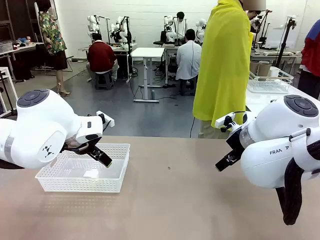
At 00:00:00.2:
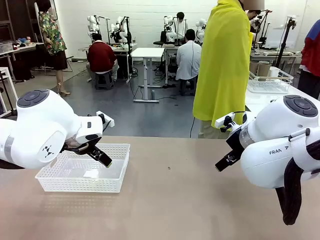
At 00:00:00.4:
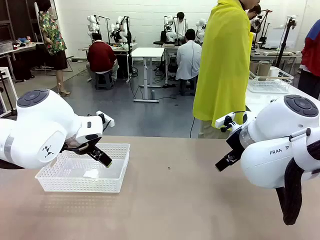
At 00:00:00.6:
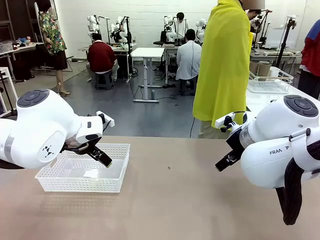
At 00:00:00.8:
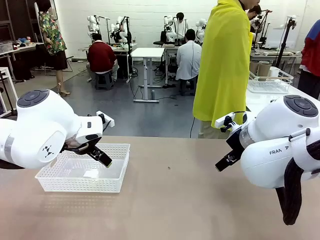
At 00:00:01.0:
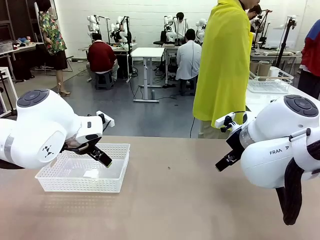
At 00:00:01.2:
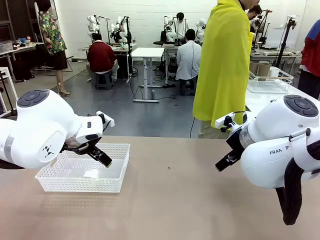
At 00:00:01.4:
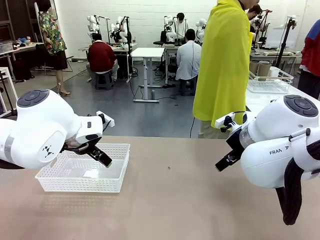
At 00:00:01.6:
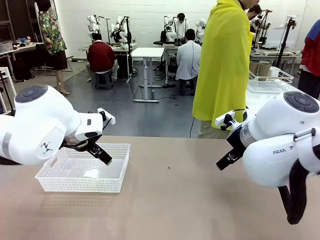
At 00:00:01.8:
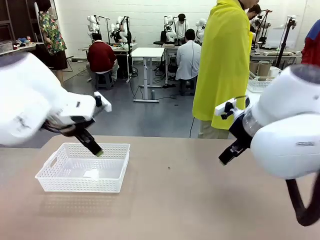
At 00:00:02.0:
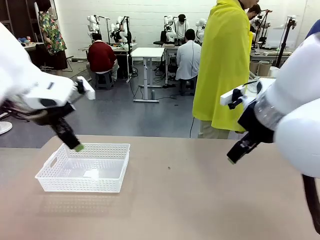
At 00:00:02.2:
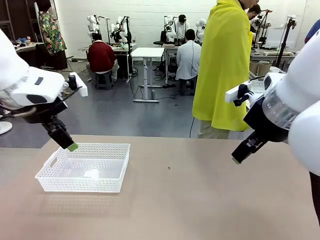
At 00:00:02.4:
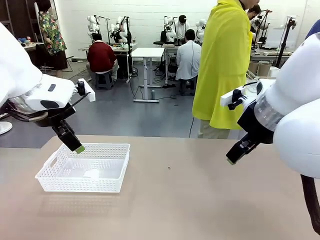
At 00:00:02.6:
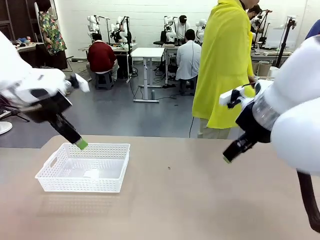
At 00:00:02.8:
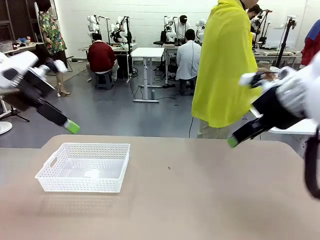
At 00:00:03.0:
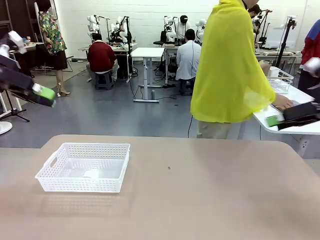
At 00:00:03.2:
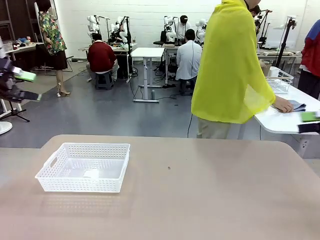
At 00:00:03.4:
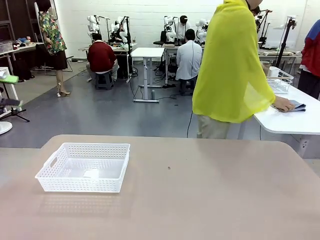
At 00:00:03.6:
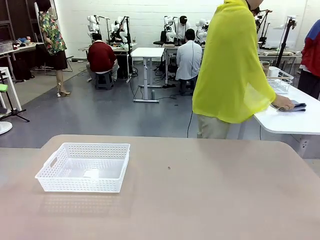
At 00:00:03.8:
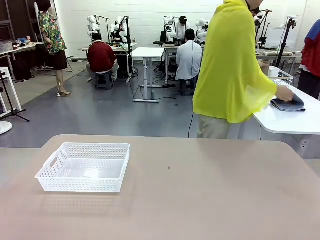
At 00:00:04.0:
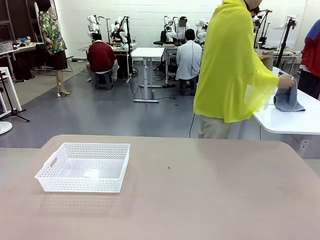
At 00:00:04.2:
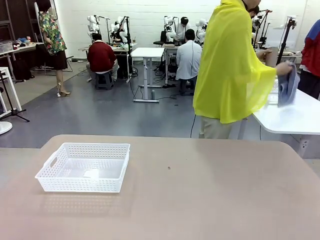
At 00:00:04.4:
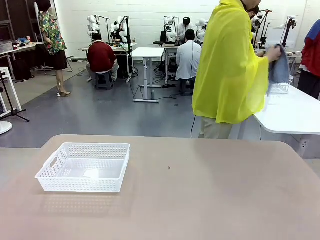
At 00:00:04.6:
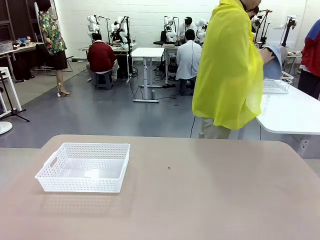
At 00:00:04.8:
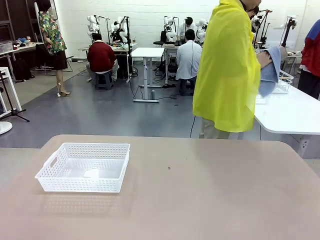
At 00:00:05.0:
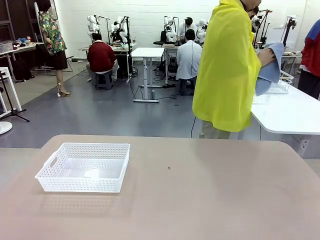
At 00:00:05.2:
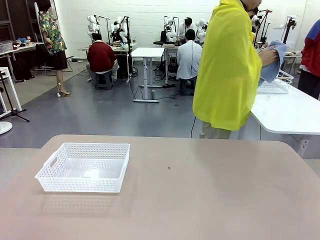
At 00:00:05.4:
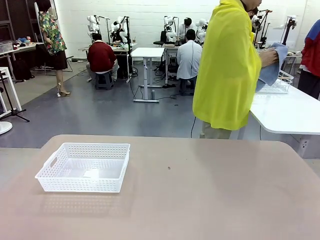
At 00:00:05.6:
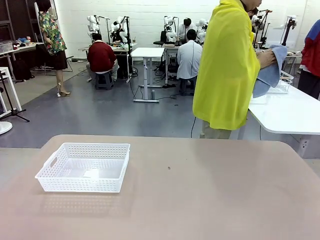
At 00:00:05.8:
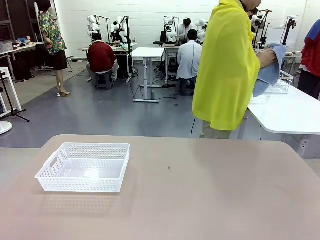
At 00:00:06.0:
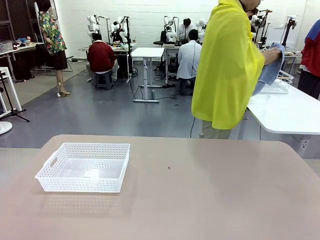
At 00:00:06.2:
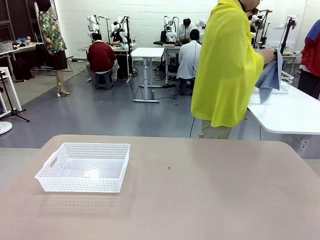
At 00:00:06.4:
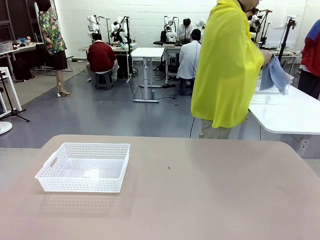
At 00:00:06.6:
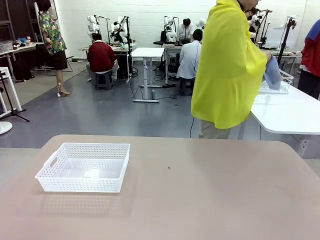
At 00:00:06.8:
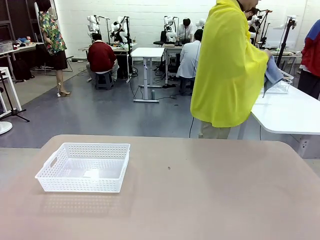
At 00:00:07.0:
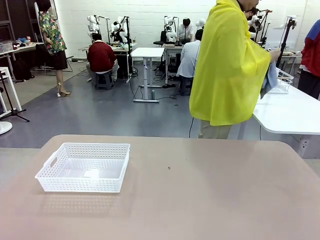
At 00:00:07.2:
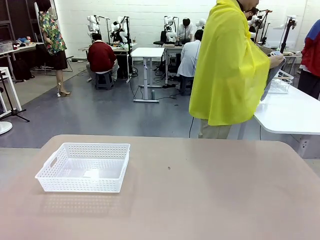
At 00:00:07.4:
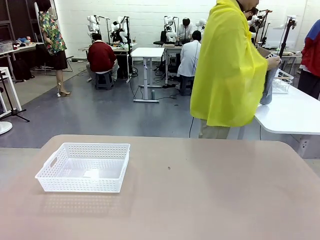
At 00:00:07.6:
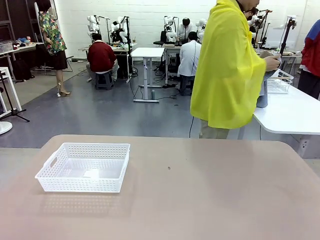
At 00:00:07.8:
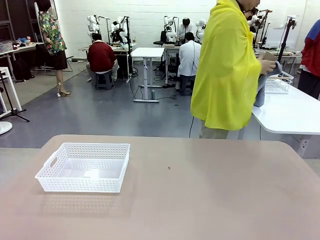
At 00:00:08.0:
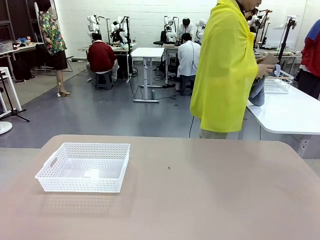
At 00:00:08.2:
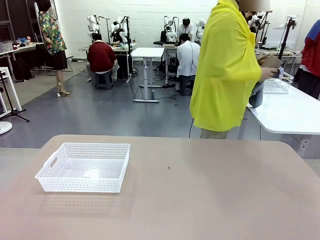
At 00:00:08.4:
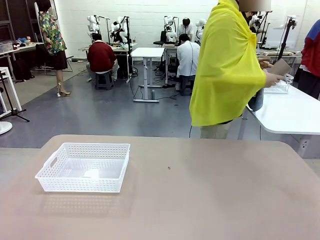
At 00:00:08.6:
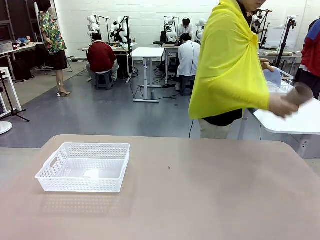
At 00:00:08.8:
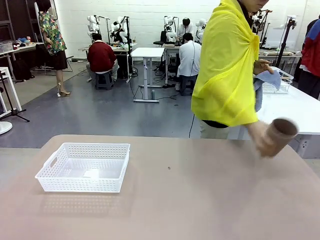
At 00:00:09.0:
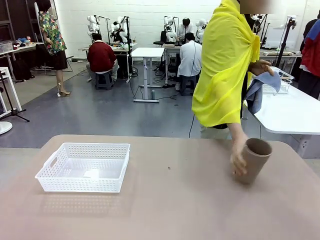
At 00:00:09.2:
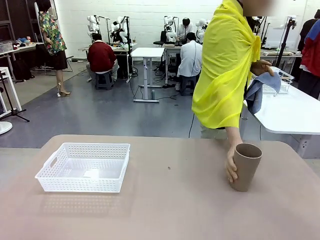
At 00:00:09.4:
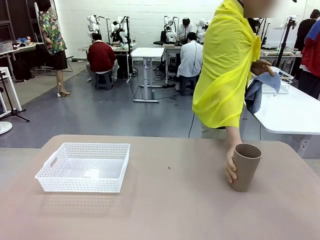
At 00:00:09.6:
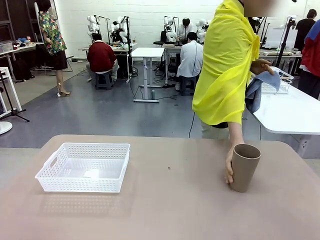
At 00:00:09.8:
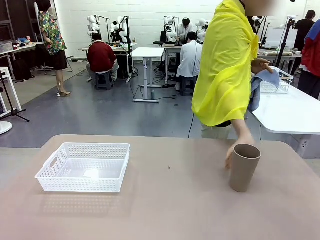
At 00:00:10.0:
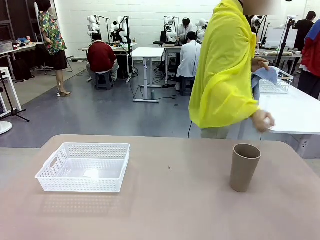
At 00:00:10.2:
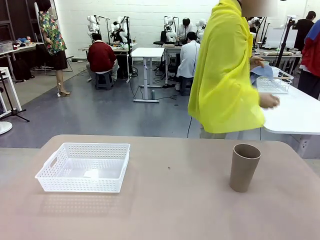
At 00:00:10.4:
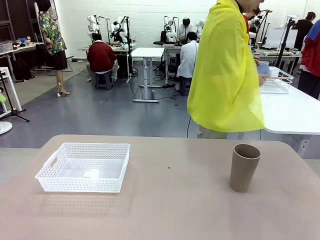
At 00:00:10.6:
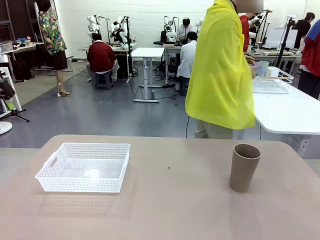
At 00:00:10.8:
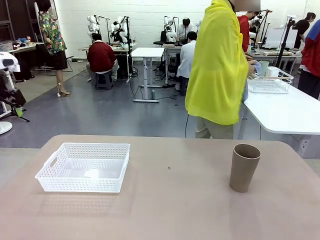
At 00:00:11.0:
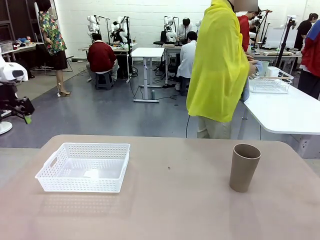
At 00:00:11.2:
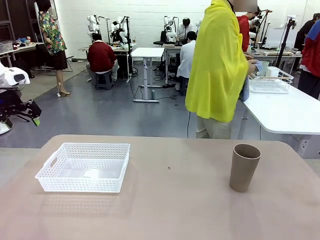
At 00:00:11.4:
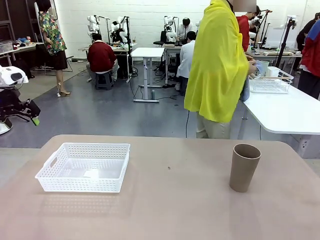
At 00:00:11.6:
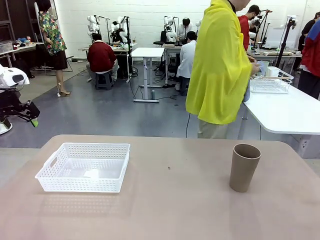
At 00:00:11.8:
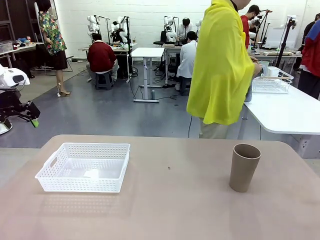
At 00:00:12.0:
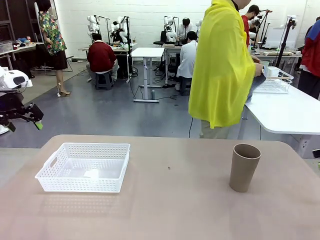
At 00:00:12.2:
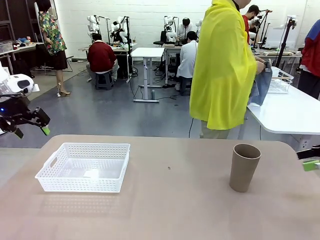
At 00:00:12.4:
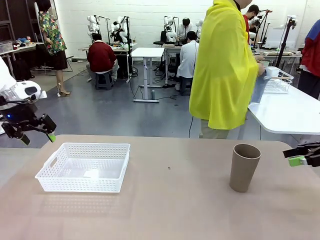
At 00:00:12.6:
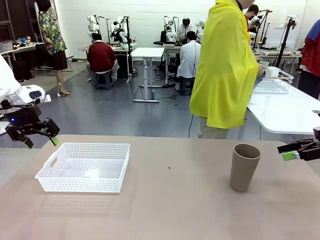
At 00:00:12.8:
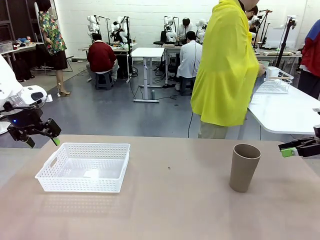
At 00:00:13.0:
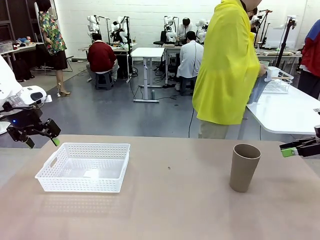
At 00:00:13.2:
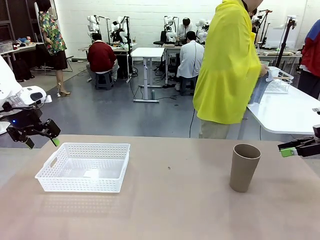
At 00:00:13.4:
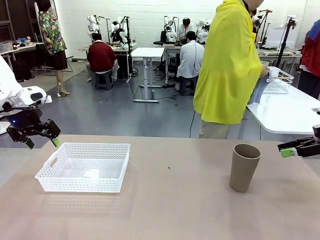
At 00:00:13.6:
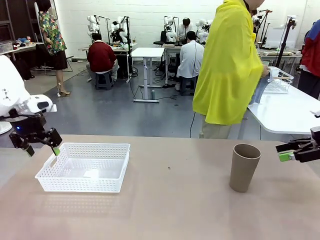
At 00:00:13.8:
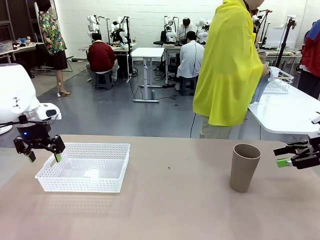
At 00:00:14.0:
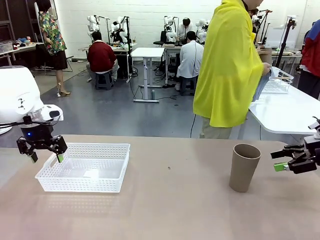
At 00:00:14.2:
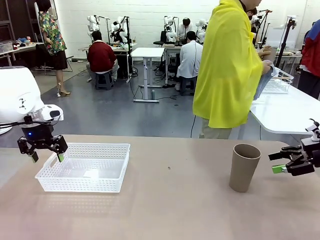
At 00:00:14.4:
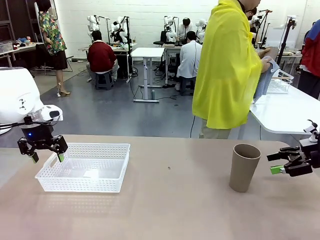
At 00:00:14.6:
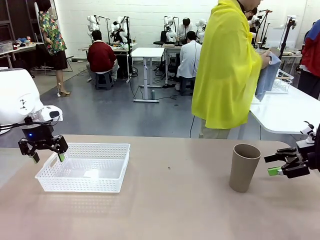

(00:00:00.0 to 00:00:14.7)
Task: Clean and organize the cups into the basket.
Robot: Pick up the Organizing basket and move it to the center of the table, then pick up the Reusable plastic cup from the right side of the table and place it inside the Organizing basket.
Person: Picks up a cup and a towel, cleans the cup with the towel, and places it on the left side of the robot table.
